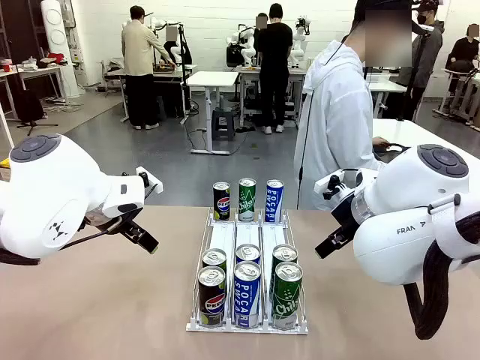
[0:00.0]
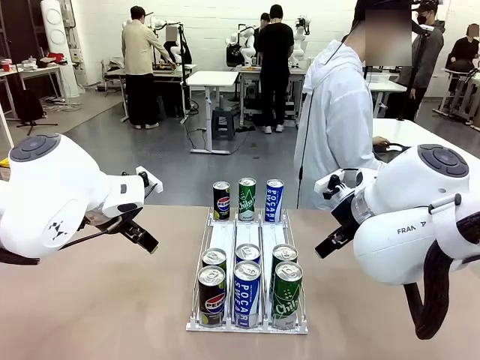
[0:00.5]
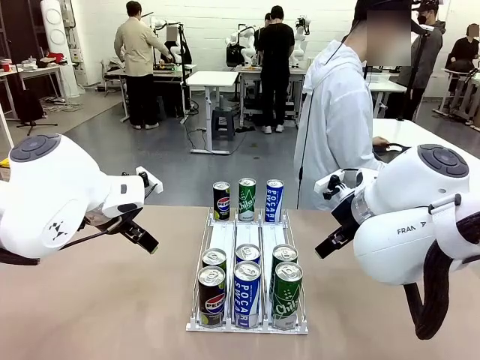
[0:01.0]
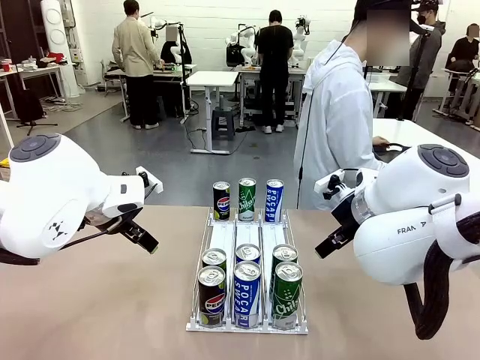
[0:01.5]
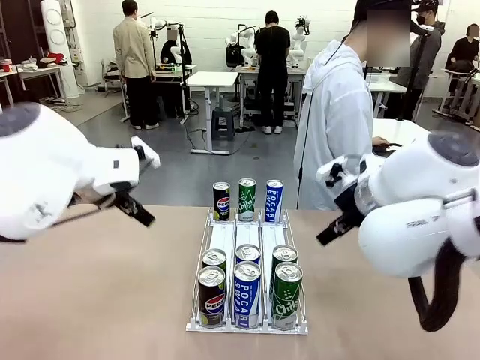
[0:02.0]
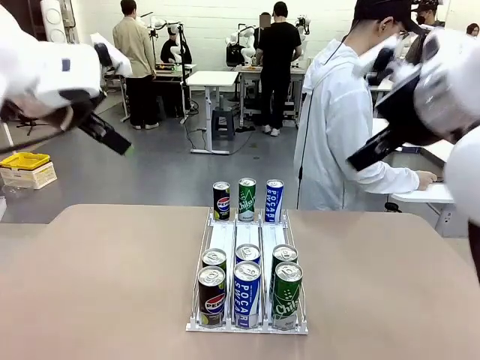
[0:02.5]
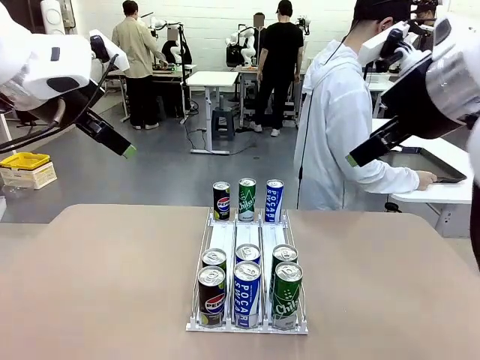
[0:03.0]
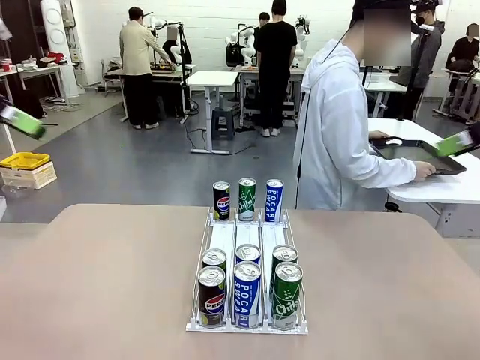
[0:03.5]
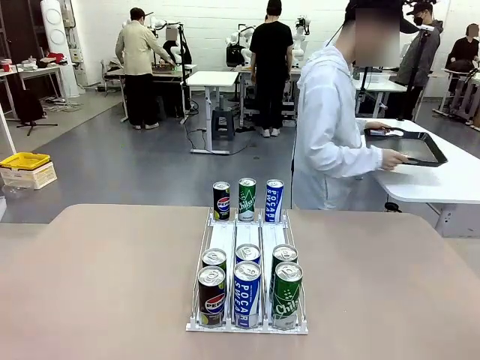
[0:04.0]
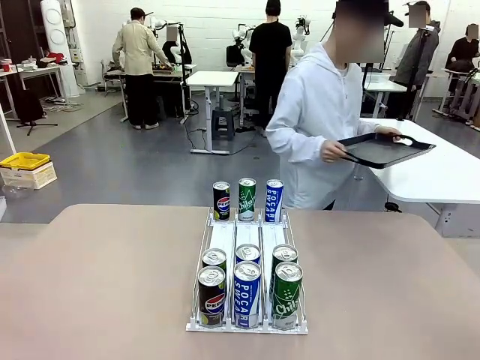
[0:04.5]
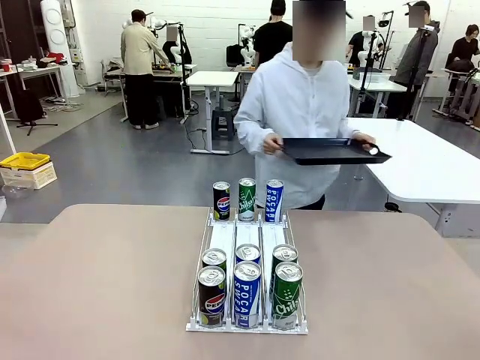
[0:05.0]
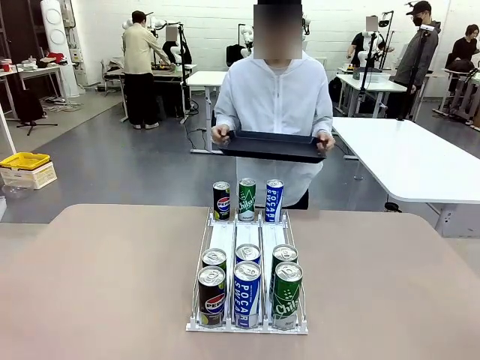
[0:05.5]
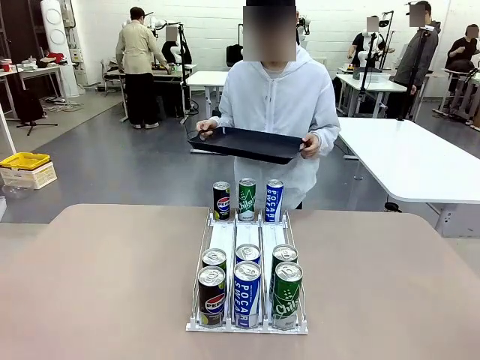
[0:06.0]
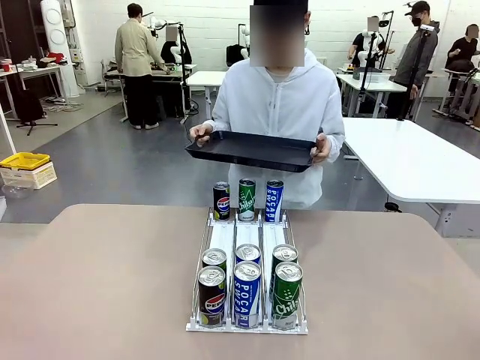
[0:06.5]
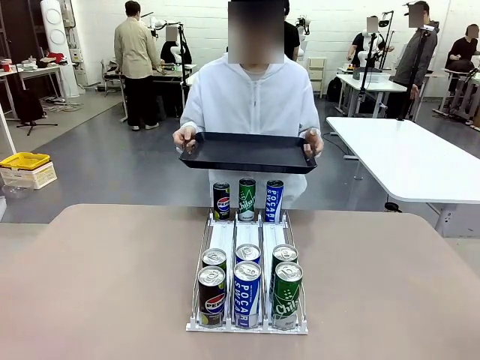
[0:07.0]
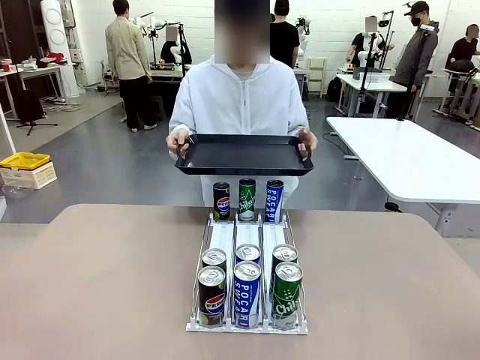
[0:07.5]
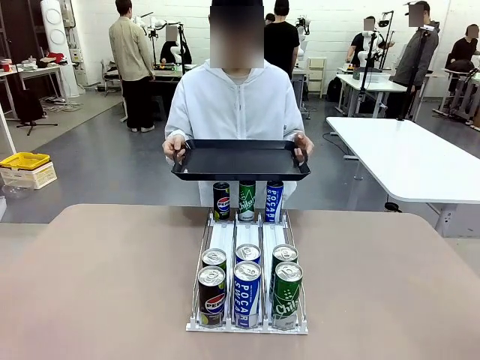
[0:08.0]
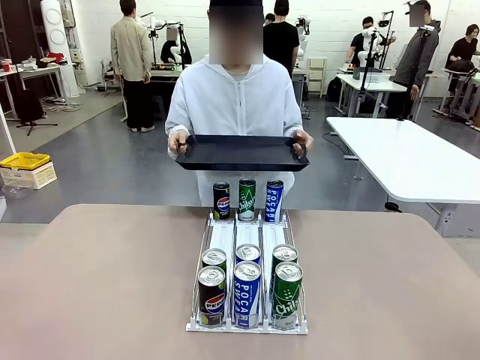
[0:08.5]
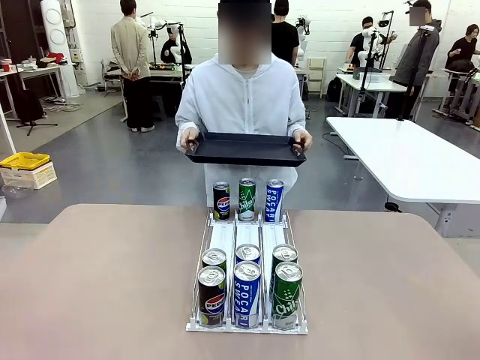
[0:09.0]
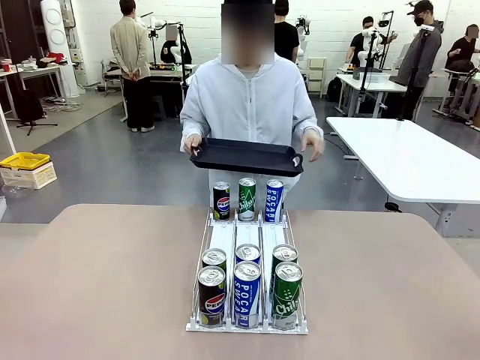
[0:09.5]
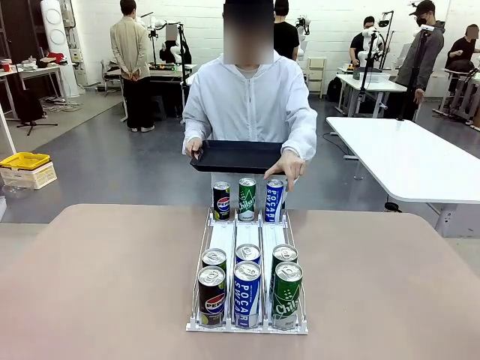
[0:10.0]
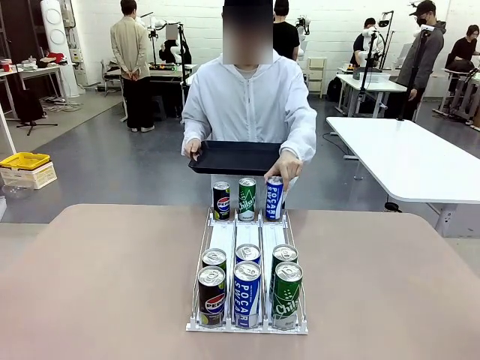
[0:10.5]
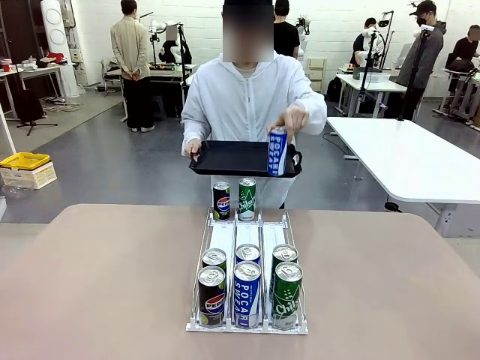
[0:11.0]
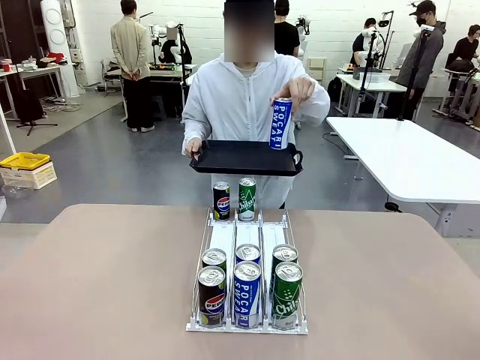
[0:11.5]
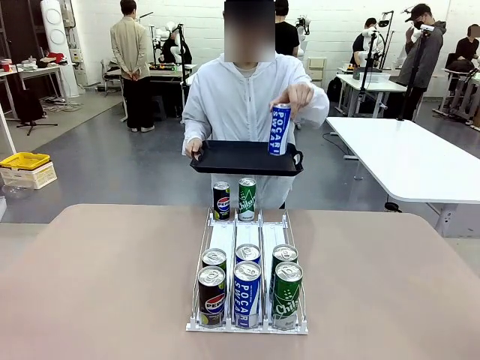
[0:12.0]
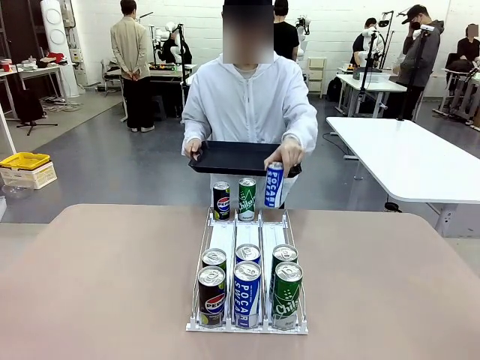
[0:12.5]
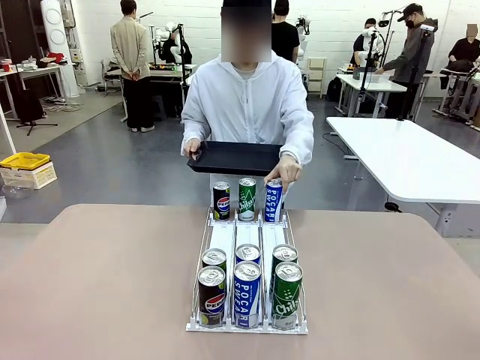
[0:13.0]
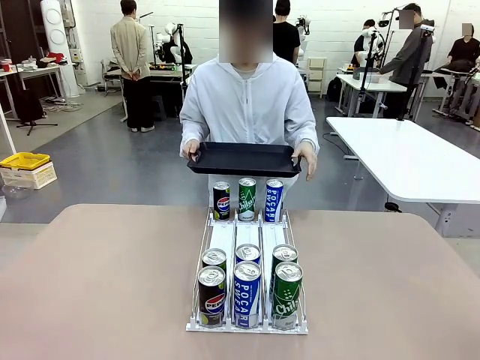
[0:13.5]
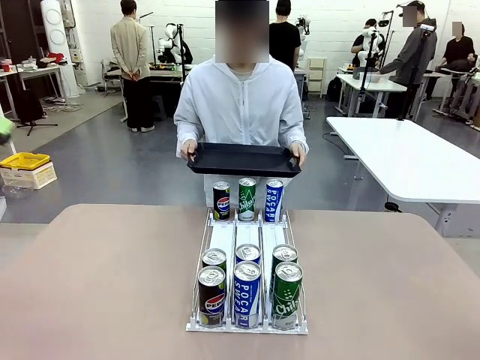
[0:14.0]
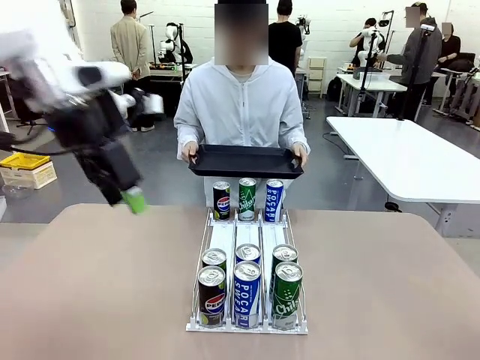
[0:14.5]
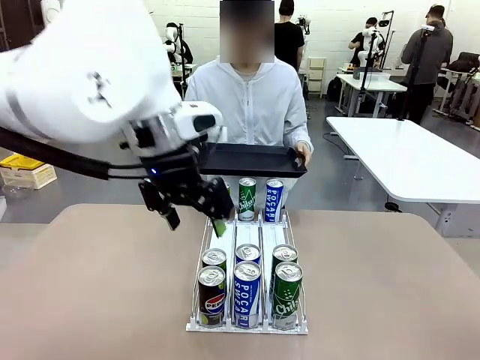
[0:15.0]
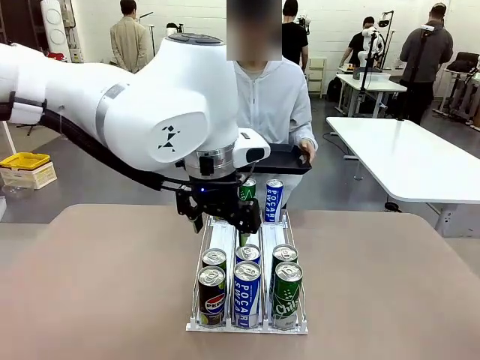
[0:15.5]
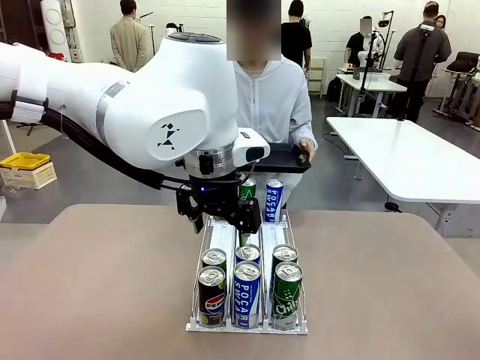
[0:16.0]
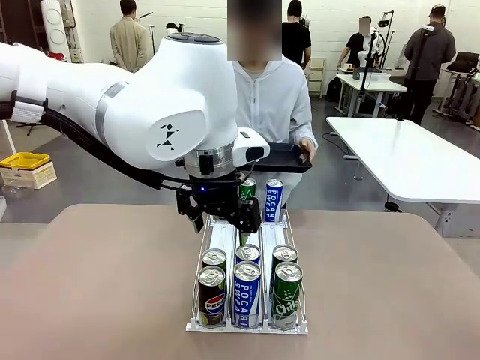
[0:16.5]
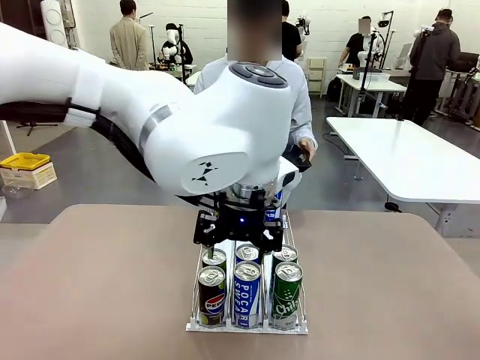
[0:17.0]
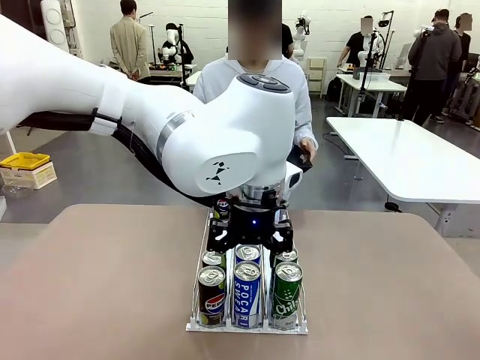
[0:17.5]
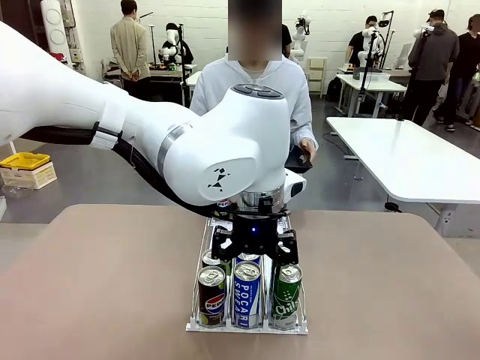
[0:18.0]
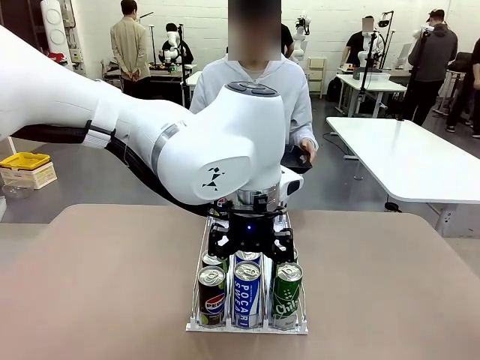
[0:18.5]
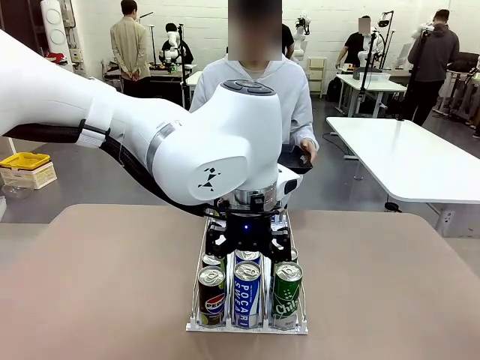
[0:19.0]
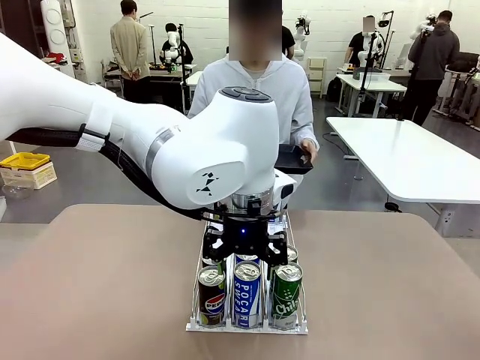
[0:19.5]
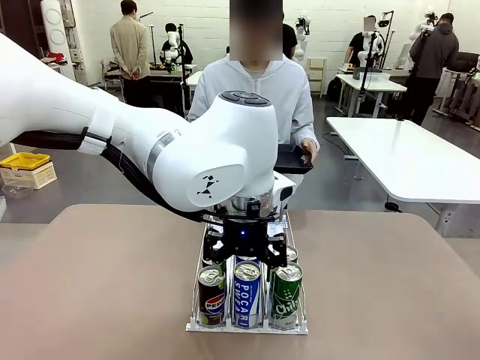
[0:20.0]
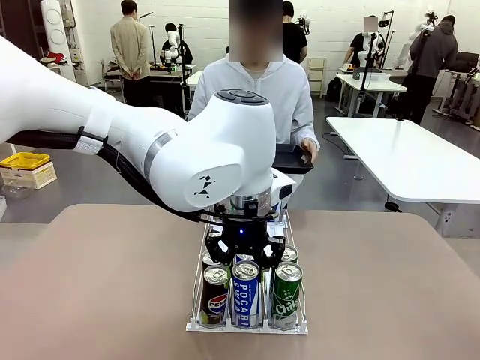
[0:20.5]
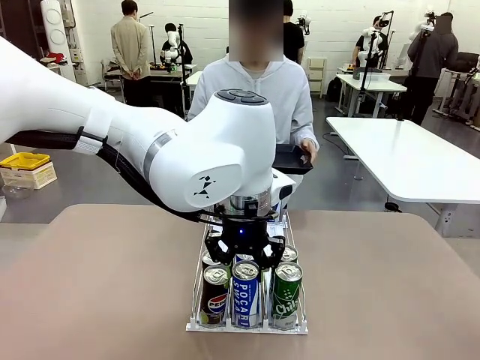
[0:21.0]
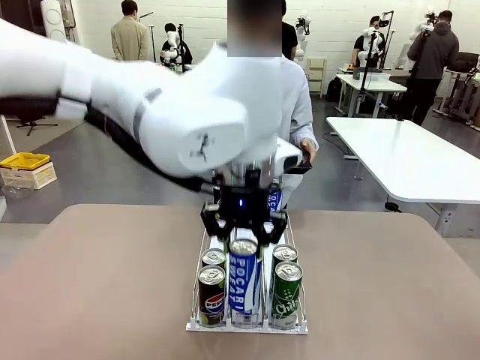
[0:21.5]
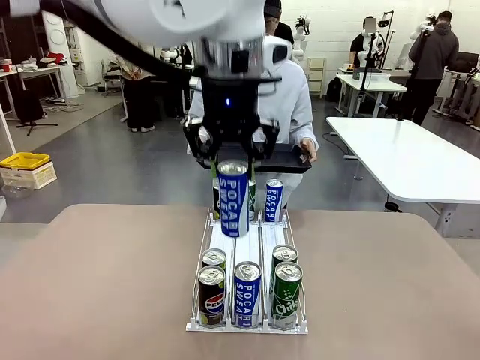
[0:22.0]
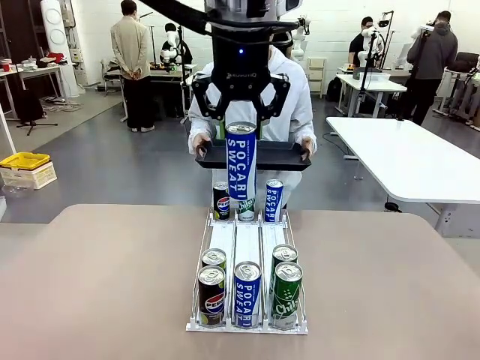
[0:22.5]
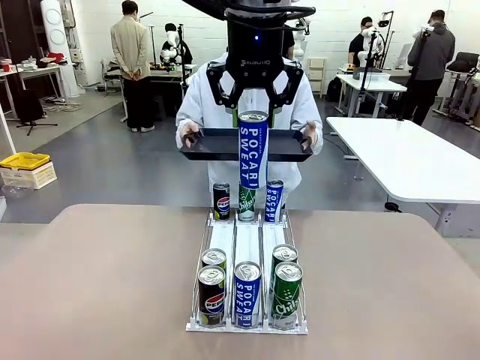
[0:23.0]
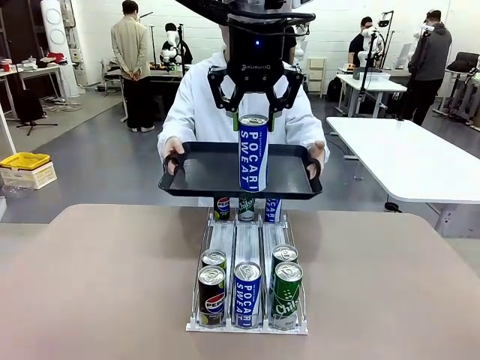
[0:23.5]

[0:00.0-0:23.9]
Task: Retrieve and hand over the desired beverage to the person.
Robot: Pick up a can of the same type that the person held from the Automatic Can Dispenser.
Person: Hold the tray and position yourself in front of the robot table. Pick up one can from the bottom area of the table and puts it back in its original place. Push the tray toward the robot.

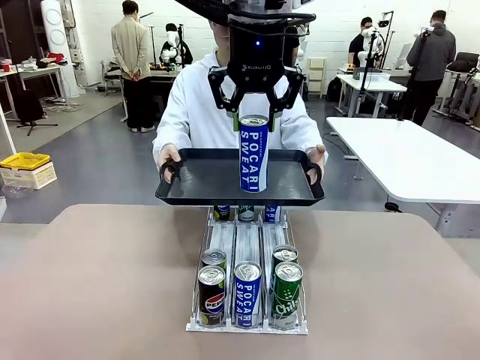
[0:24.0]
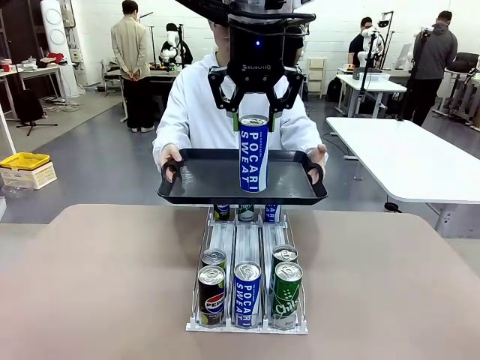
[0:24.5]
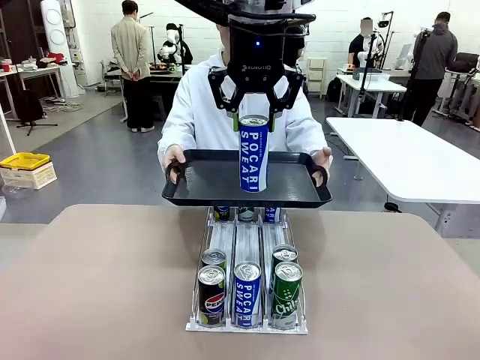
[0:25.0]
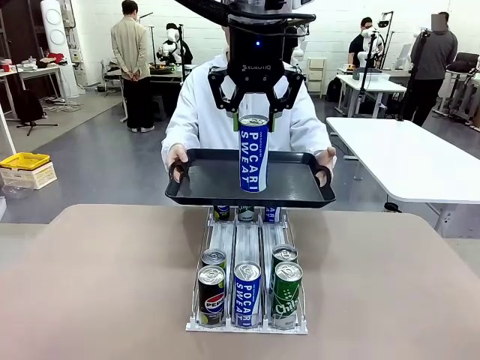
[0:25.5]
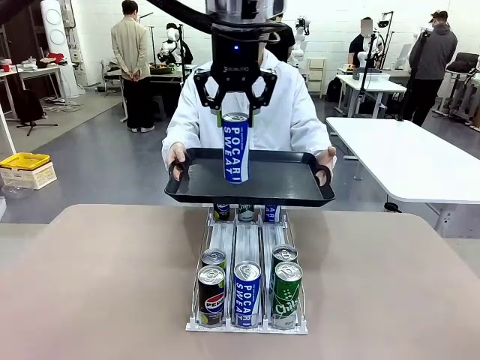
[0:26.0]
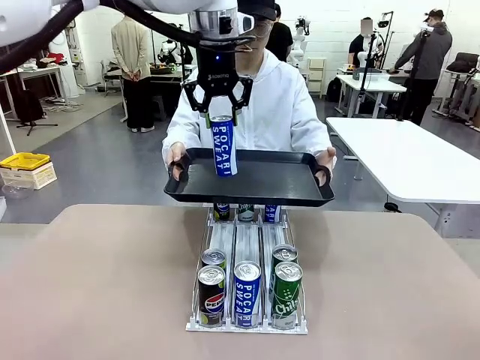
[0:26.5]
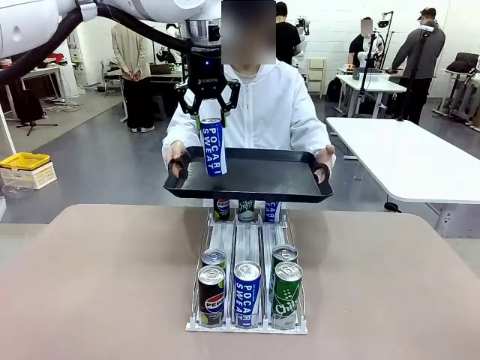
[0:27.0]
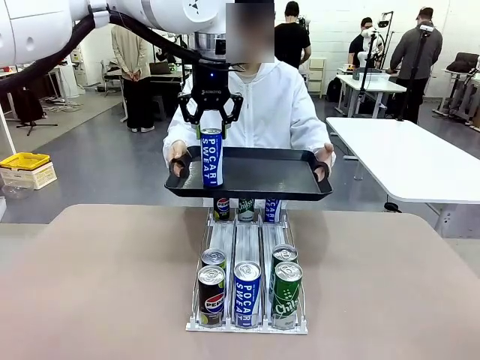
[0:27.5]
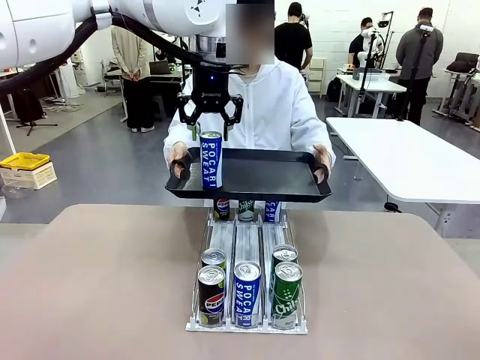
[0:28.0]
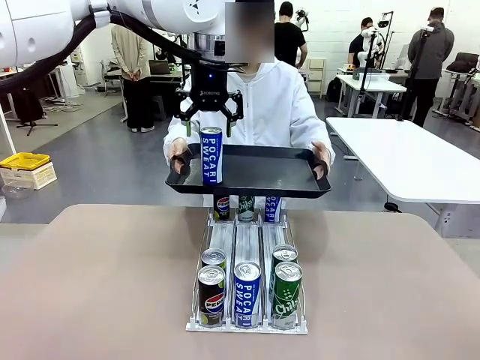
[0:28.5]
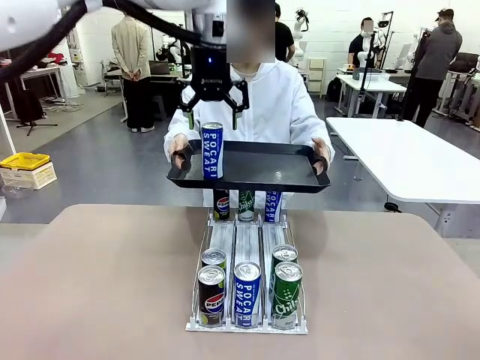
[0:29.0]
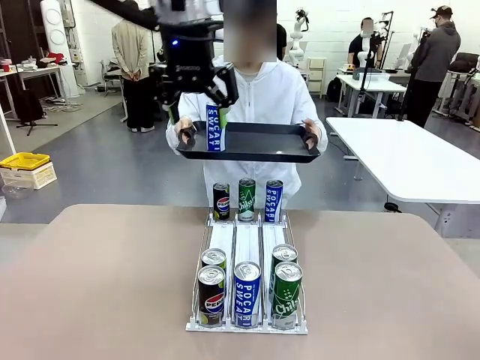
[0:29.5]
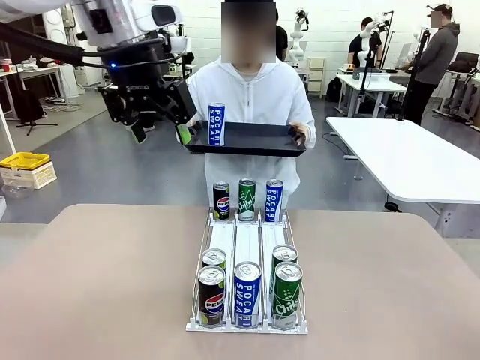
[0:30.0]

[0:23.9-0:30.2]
Robot: Place the picked can on the Handle tray extended by the person.
